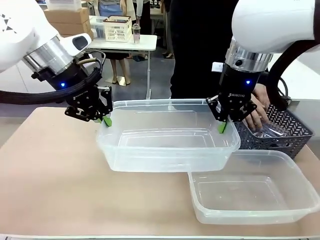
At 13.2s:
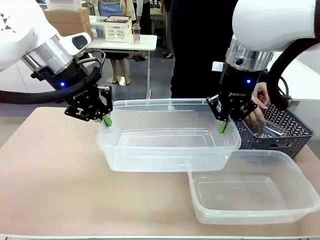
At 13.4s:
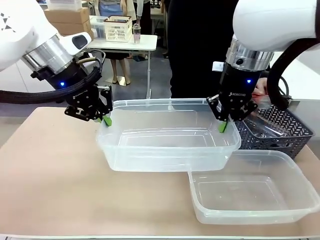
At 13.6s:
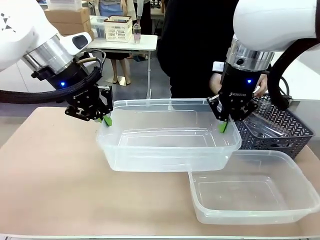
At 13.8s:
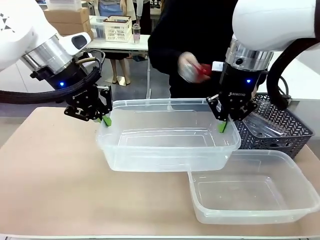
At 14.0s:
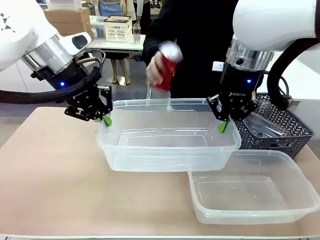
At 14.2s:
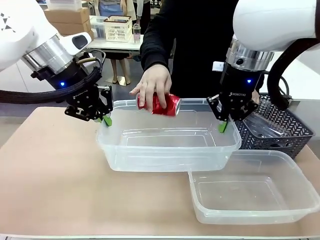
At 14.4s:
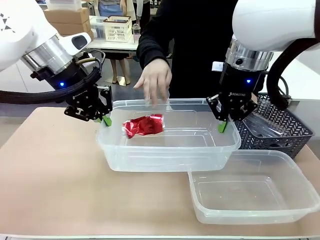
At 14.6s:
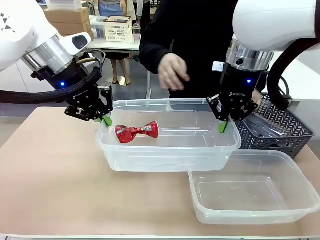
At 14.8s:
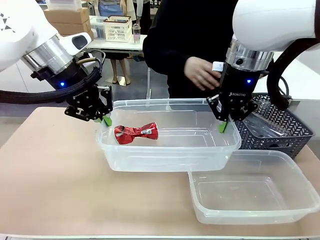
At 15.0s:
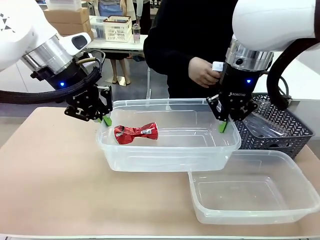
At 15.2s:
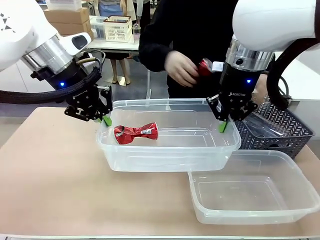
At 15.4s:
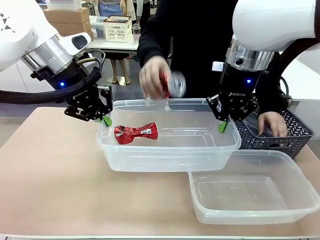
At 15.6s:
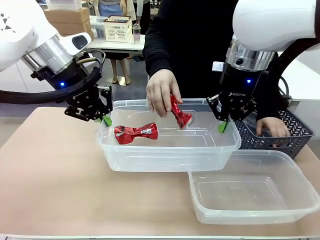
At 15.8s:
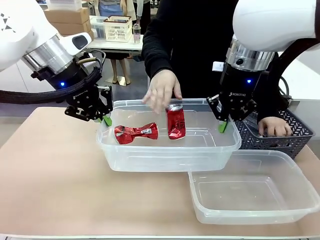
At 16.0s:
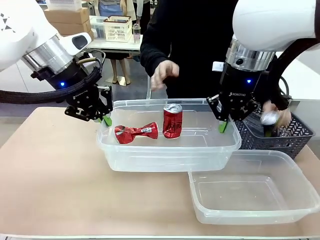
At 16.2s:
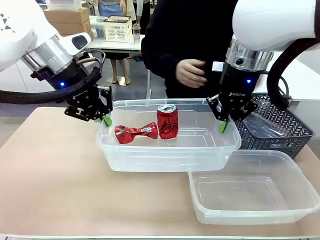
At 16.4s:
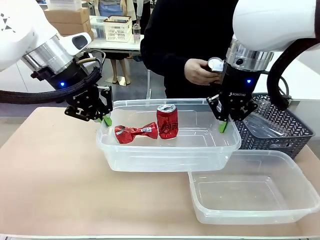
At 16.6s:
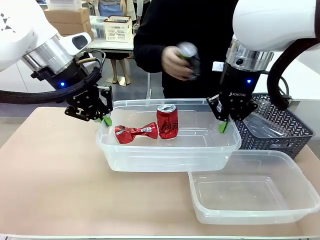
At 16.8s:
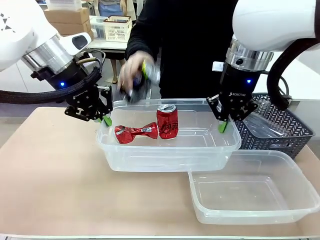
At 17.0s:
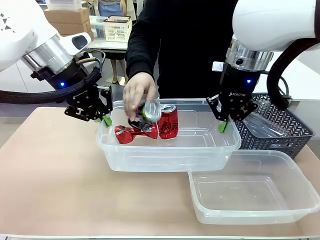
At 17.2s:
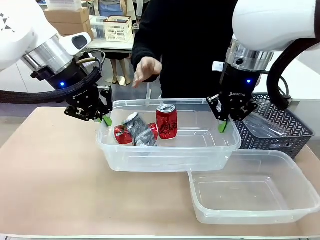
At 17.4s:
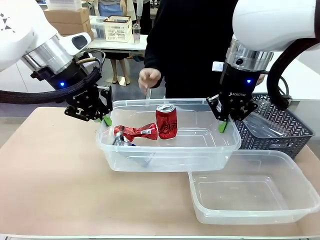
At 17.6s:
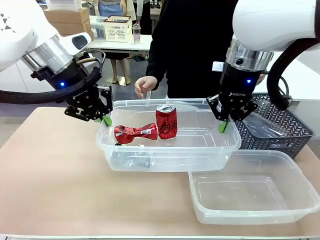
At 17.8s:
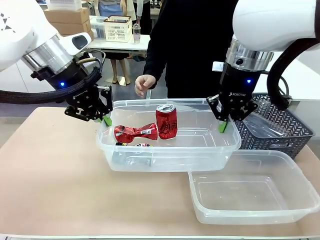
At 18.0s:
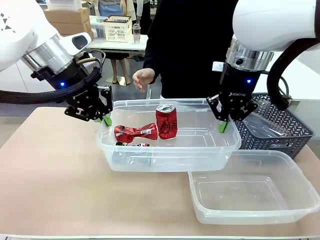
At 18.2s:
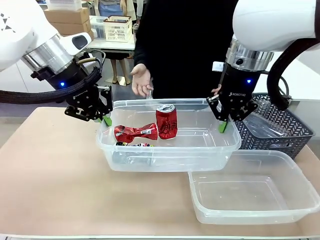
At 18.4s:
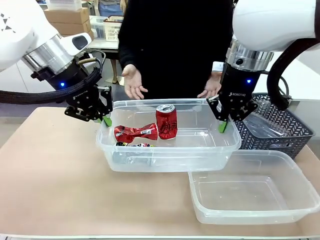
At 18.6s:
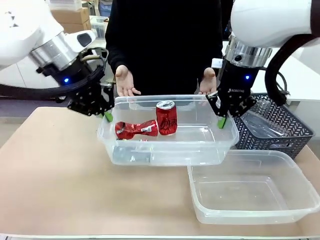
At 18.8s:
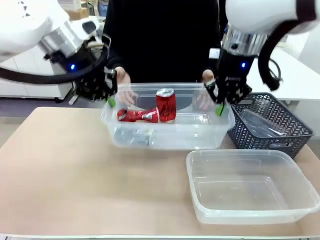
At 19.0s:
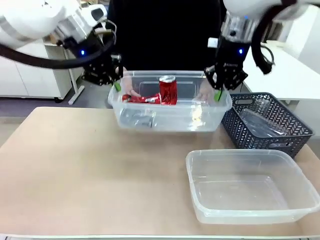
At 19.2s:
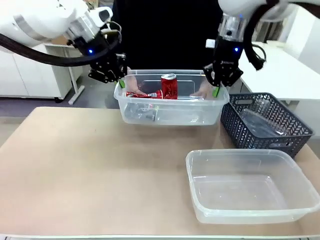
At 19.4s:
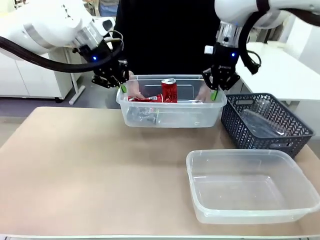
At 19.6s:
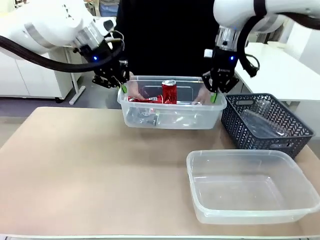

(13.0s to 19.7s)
Robot: Offer the picked Organizing box to the human.

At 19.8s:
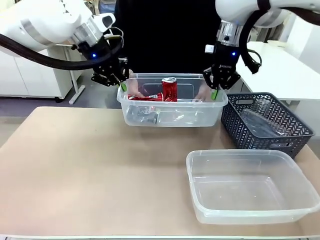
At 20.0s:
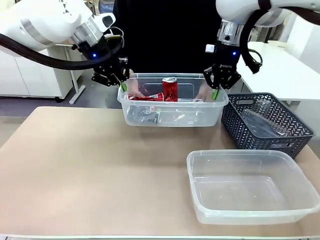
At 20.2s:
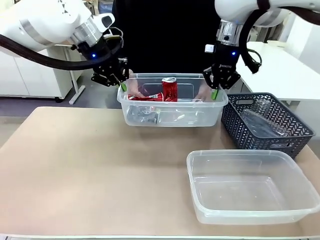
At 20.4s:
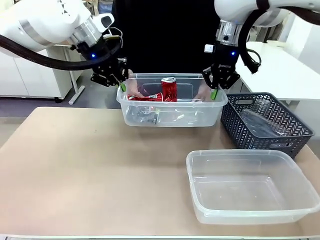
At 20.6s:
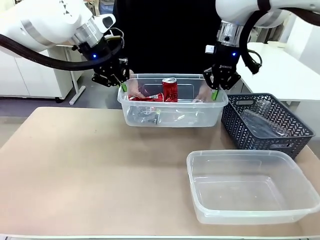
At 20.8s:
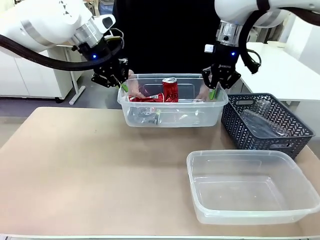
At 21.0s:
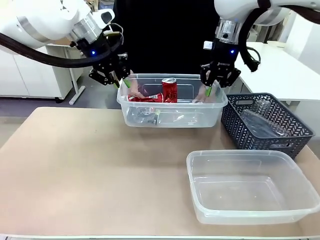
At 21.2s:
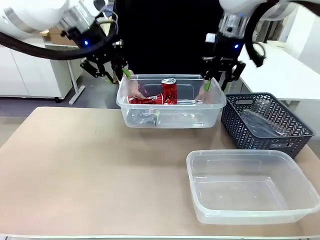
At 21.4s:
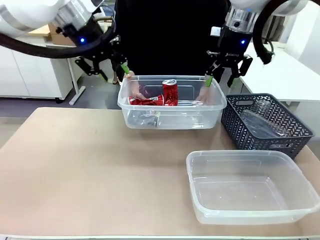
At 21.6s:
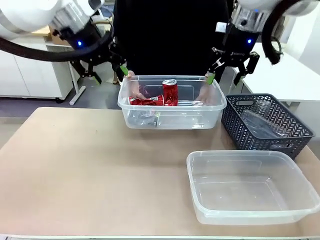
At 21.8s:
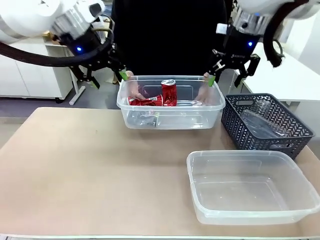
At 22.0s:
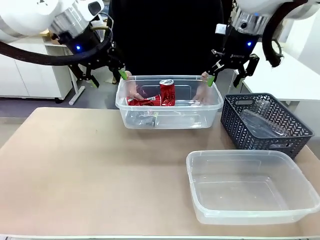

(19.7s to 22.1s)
Robot: Release the Organizing box you were holding.

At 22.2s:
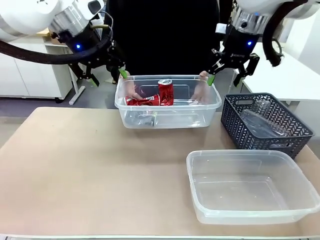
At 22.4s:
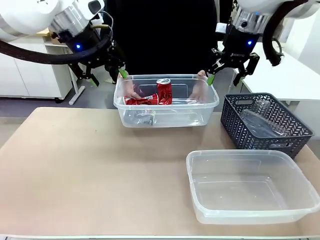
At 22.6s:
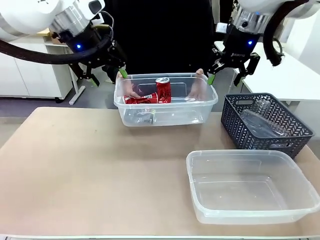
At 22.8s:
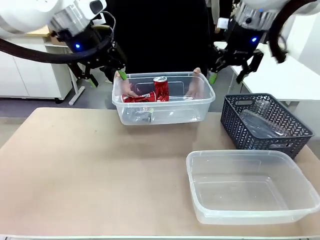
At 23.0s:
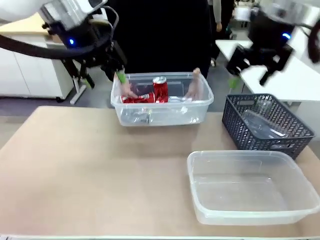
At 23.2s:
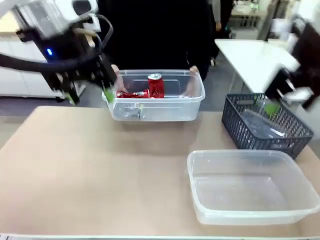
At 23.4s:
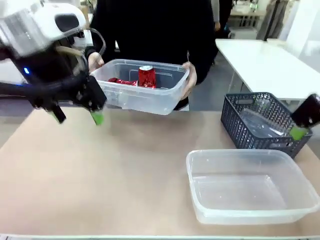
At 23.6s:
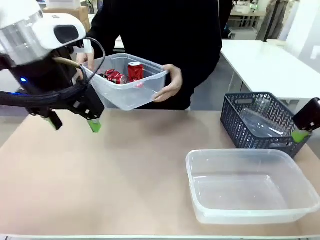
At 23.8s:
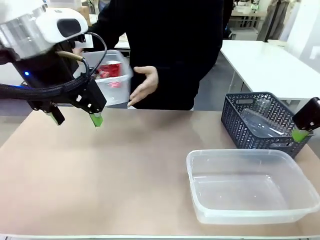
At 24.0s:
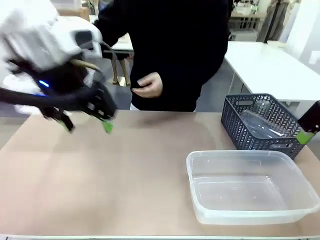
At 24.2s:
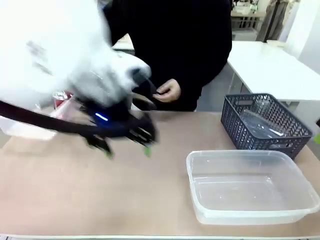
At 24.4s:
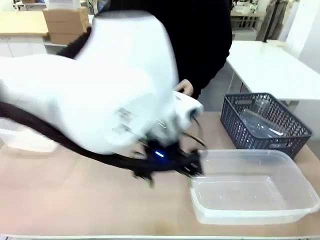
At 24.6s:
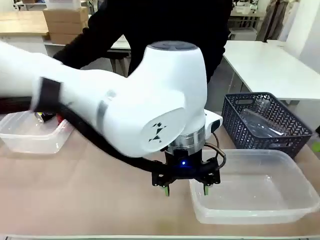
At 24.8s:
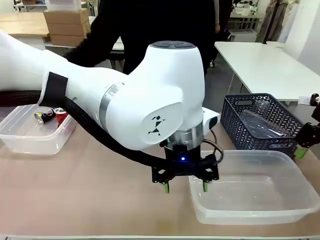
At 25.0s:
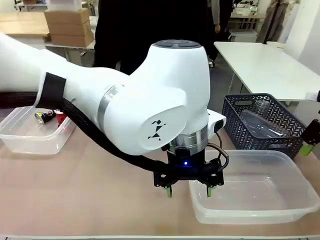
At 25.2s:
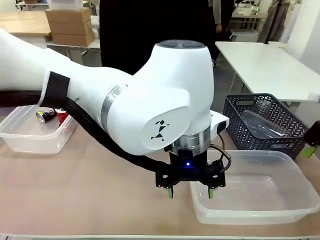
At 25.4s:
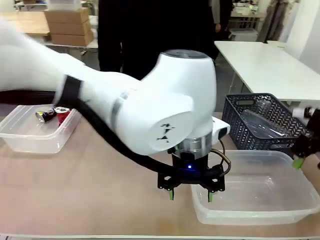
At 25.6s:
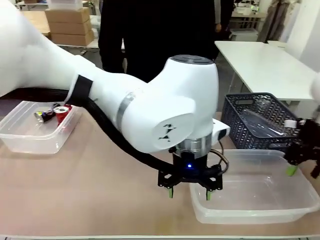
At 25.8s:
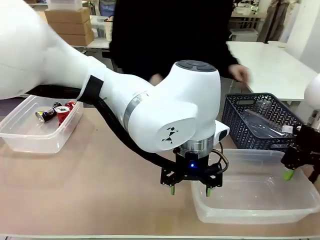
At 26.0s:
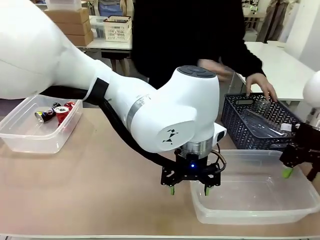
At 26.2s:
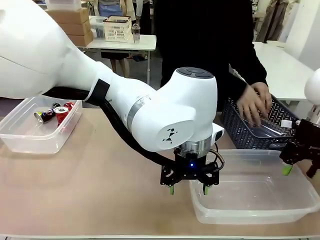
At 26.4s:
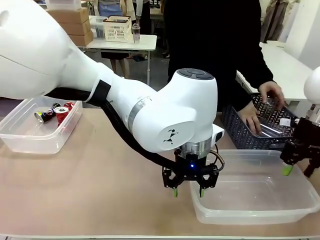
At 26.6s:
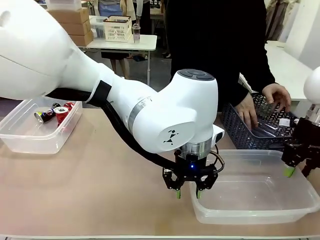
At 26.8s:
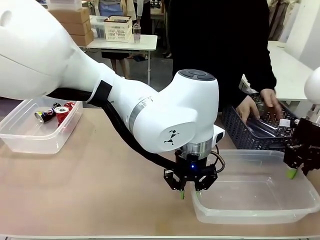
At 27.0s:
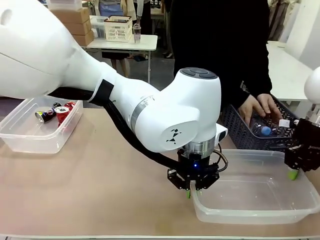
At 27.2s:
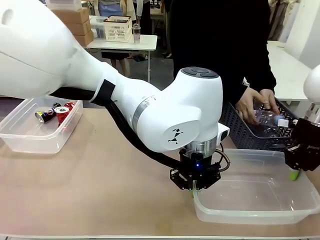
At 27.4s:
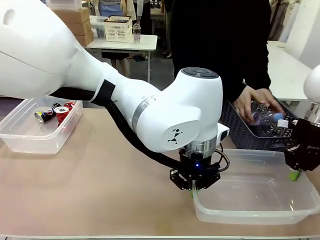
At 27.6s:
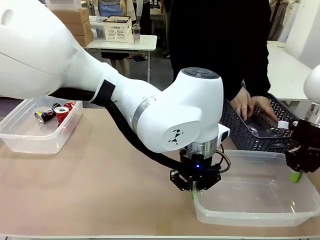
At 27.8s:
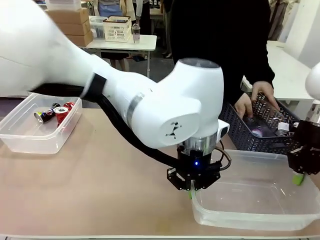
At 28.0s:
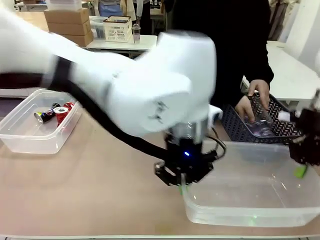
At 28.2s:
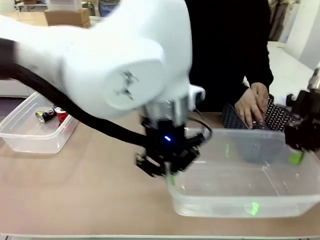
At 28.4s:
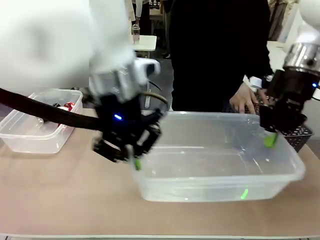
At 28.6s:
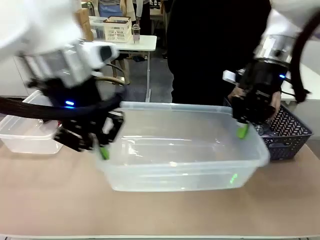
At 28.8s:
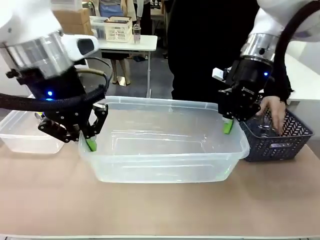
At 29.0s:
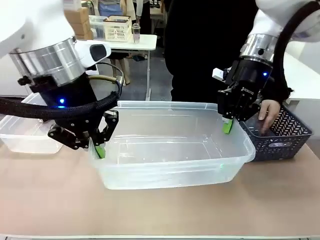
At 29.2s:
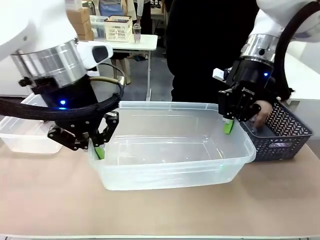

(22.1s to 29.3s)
Robot: Pick up the Organizing box on the right side of the table and lift it.
Person: Place it at the edge of the bottom right area of the robot table.

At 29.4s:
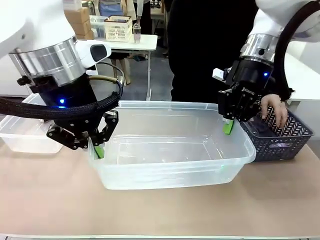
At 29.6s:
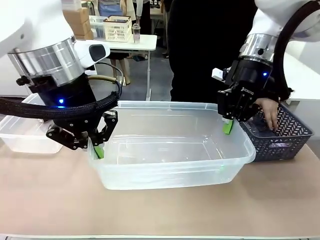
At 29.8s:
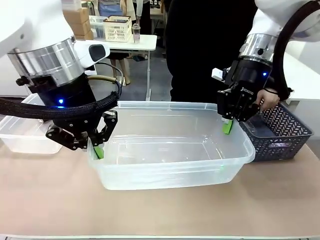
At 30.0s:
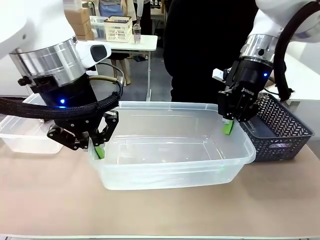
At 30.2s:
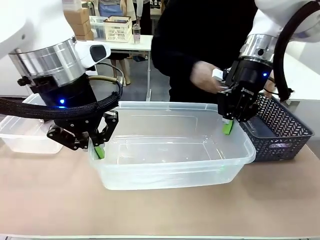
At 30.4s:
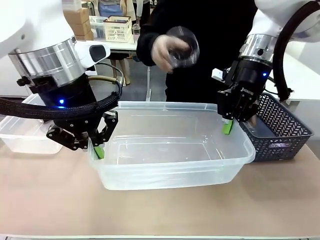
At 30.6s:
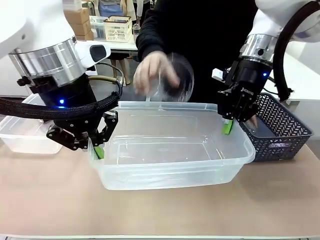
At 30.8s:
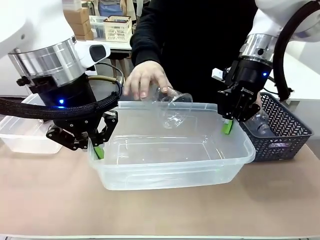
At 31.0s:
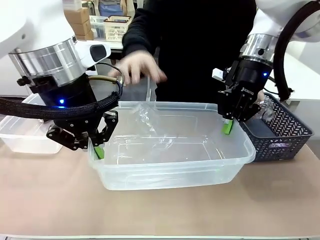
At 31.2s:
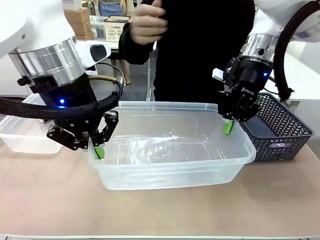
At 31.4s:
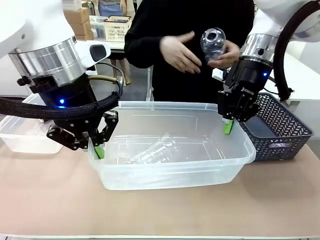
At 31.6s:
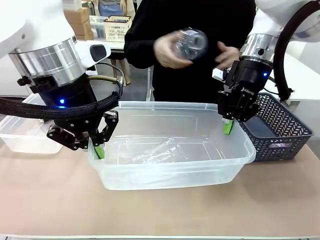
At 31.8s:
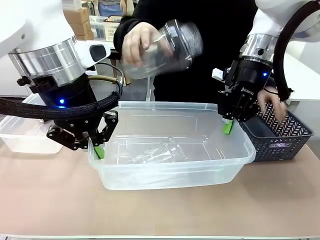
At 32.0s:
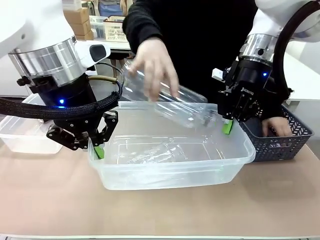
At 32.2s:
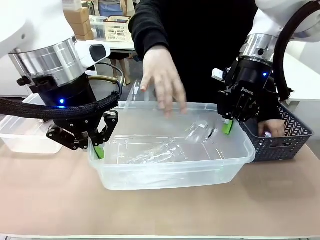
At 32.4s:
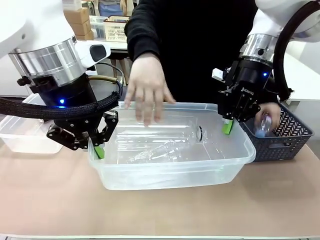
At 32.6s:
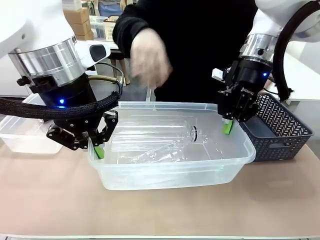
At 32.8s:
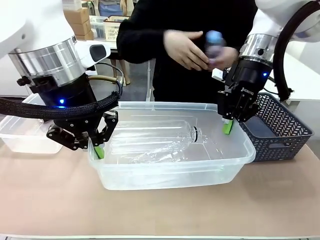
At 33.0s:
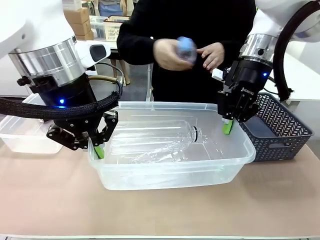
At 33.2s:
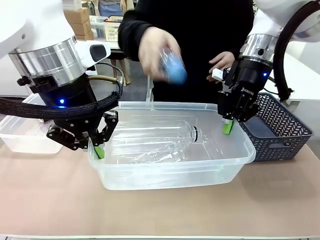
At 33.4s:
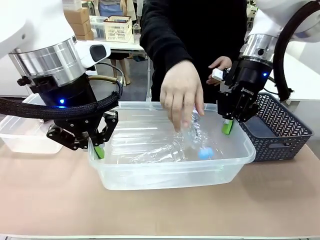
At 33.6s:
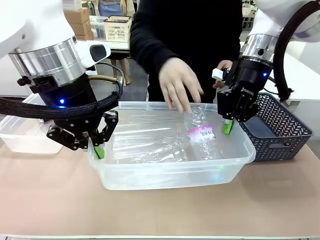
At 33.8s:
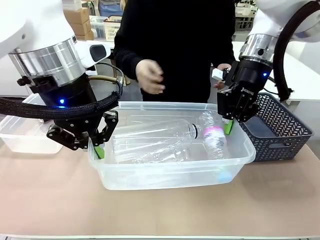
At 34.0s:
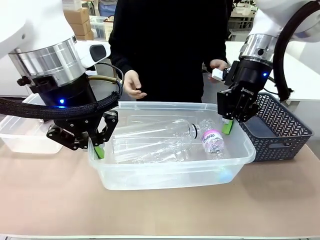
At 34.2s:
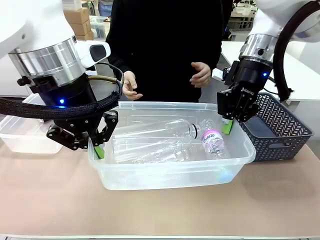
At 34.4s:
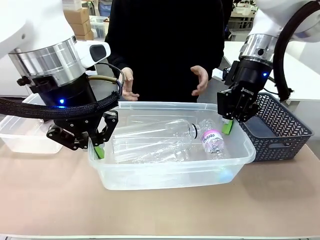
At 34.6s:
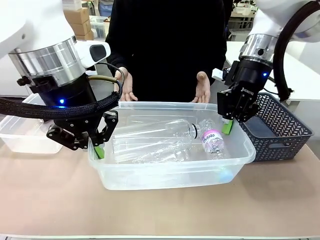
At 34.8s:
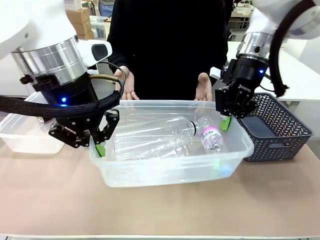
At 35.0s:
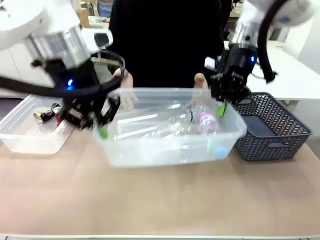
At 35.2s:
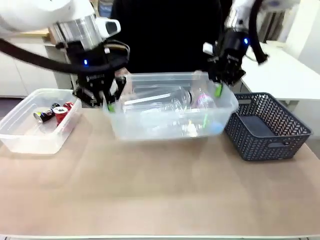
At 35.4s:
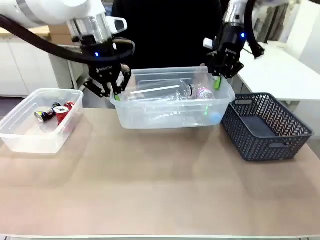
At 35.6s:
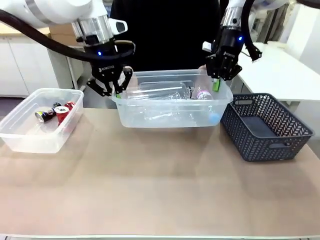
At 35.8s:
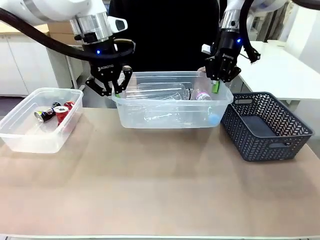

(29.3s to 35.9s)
Robot: Offer the picked Organizing box to the human.
Person: Pick up plastic waste one by one and place it into the organizing box lifted by the robot.
